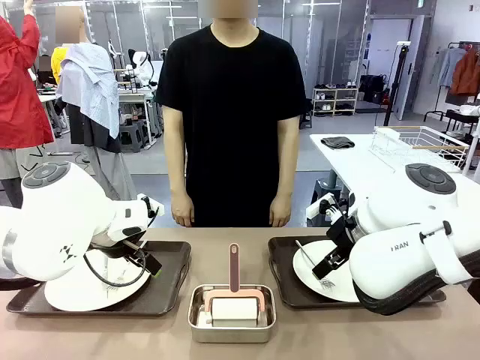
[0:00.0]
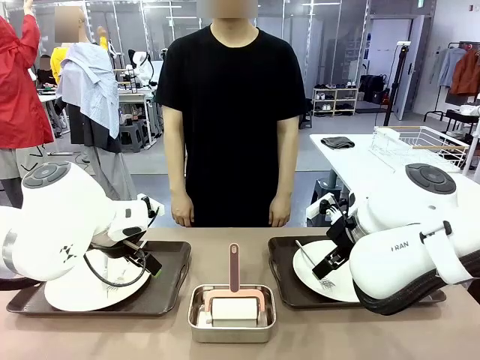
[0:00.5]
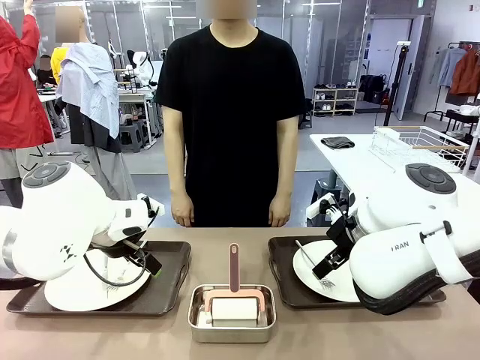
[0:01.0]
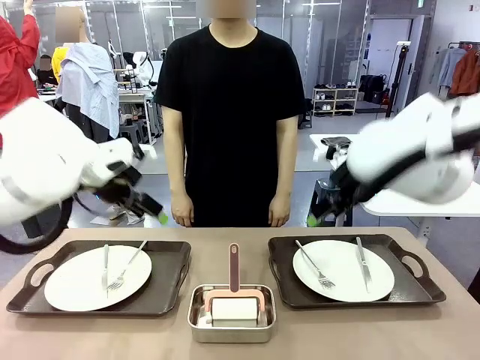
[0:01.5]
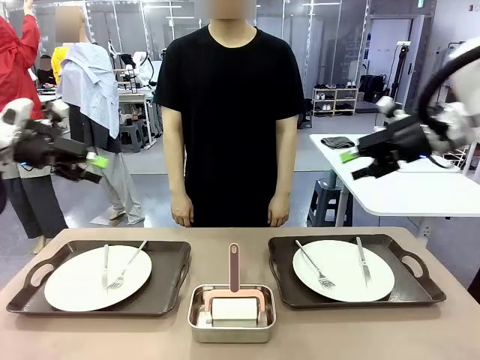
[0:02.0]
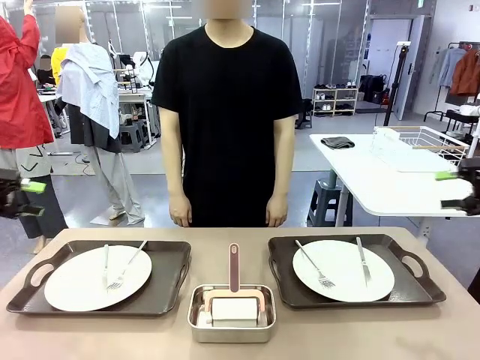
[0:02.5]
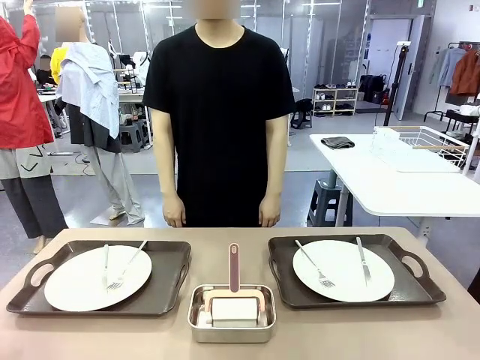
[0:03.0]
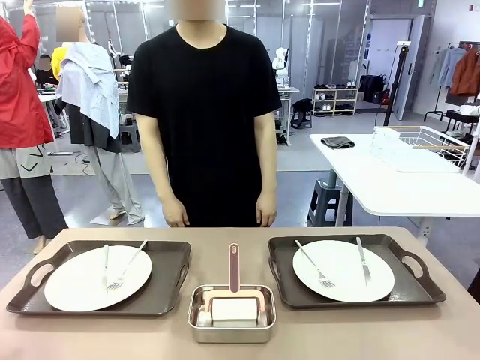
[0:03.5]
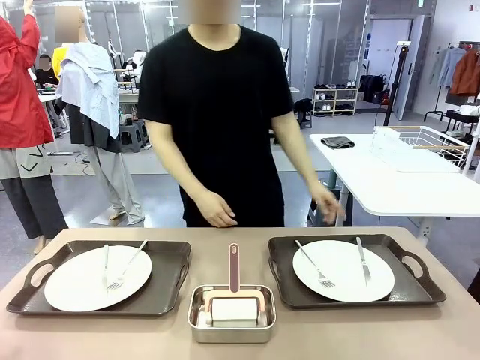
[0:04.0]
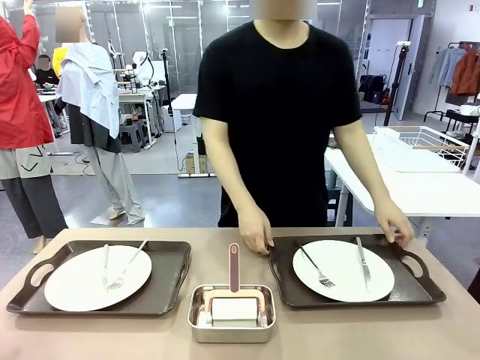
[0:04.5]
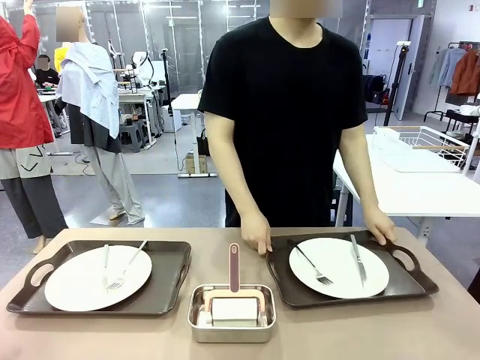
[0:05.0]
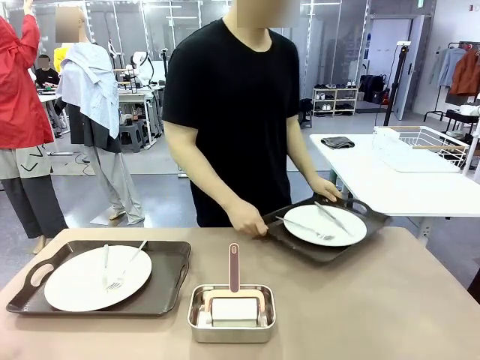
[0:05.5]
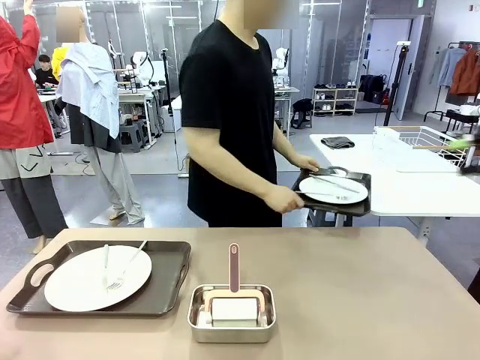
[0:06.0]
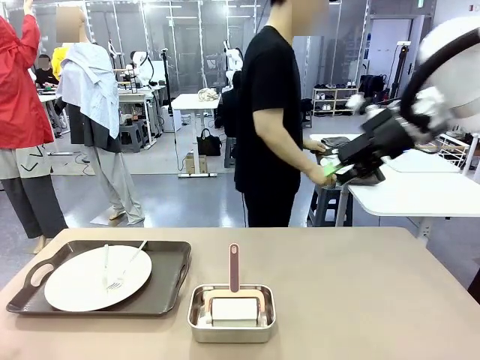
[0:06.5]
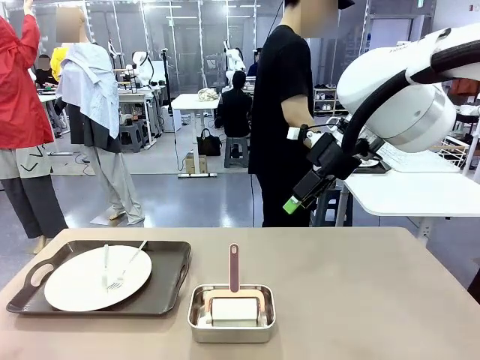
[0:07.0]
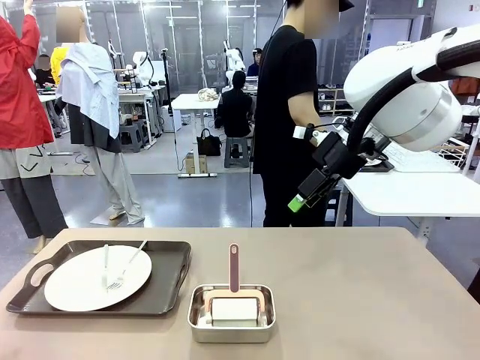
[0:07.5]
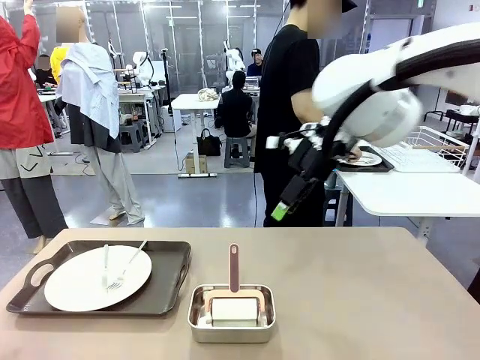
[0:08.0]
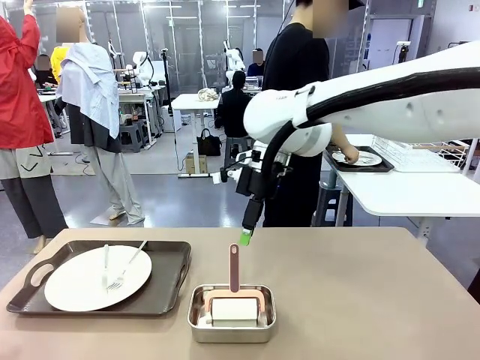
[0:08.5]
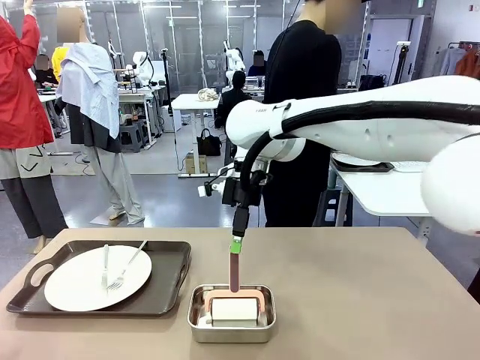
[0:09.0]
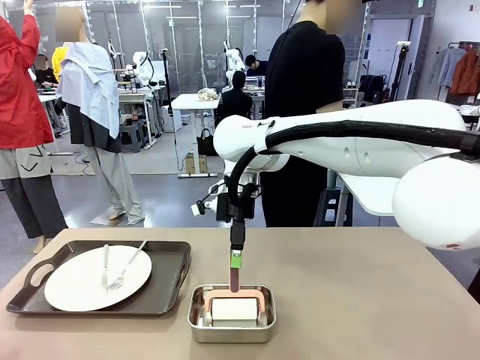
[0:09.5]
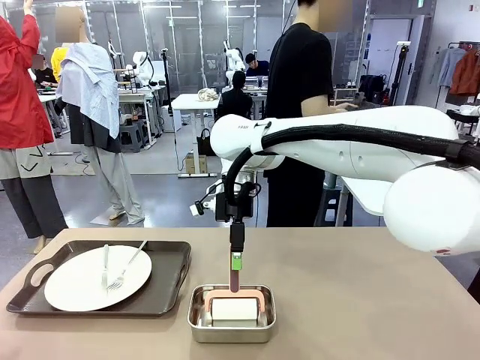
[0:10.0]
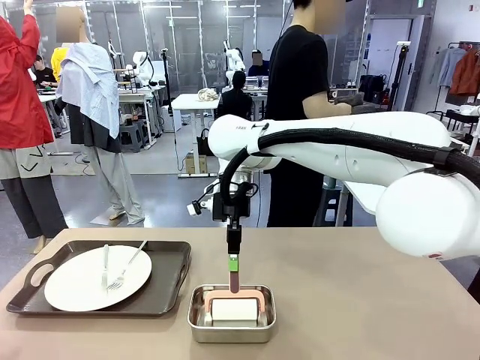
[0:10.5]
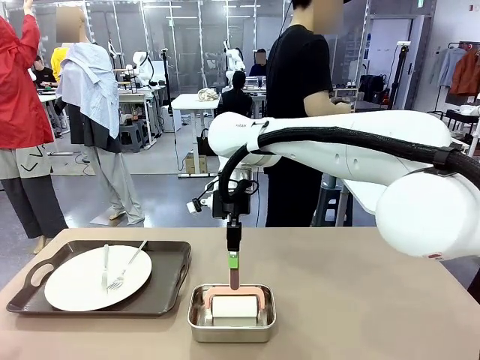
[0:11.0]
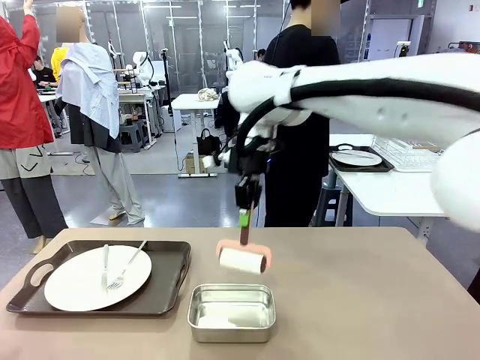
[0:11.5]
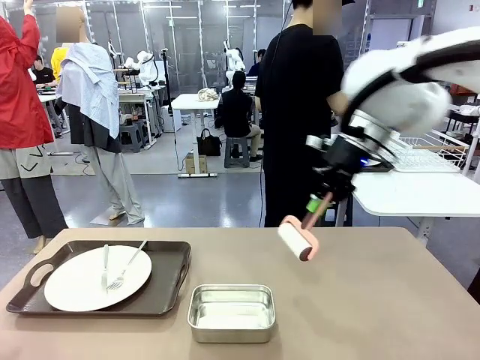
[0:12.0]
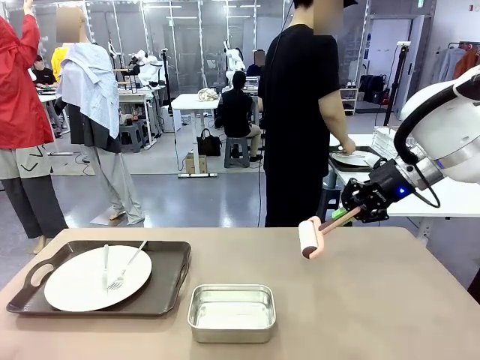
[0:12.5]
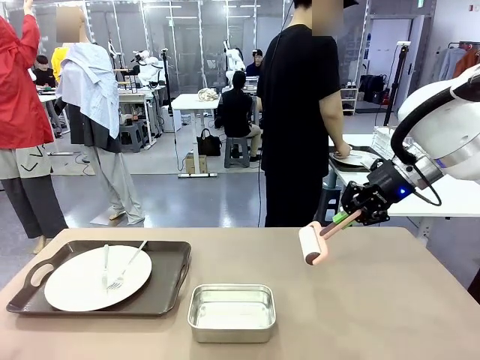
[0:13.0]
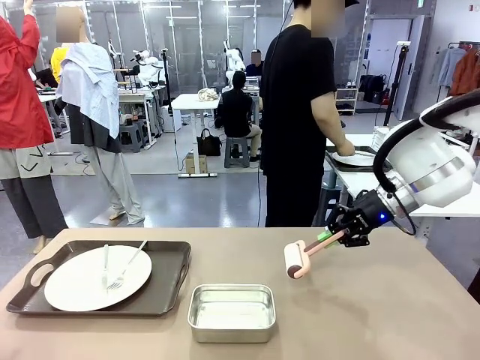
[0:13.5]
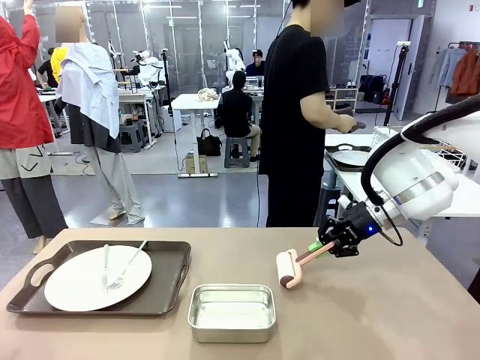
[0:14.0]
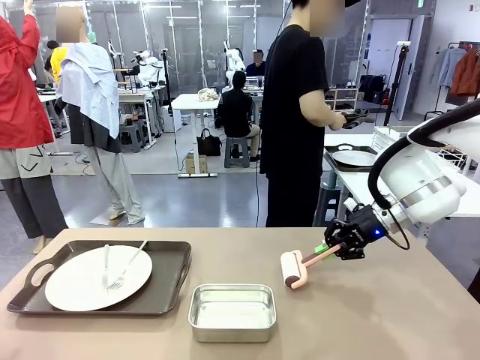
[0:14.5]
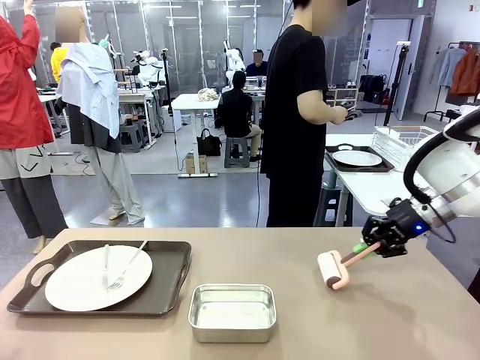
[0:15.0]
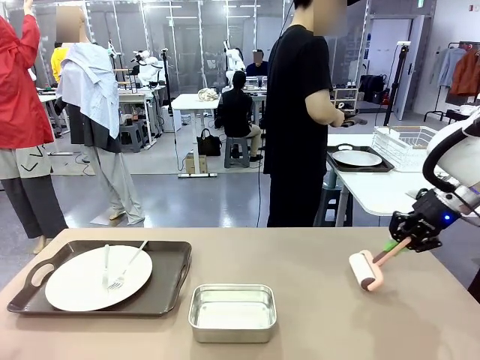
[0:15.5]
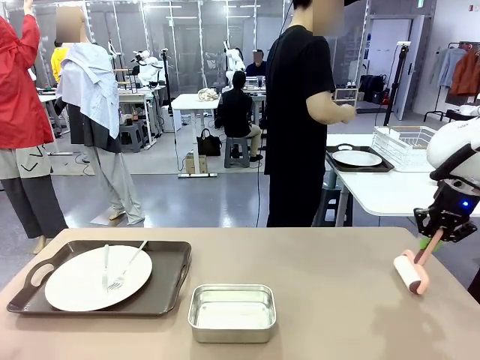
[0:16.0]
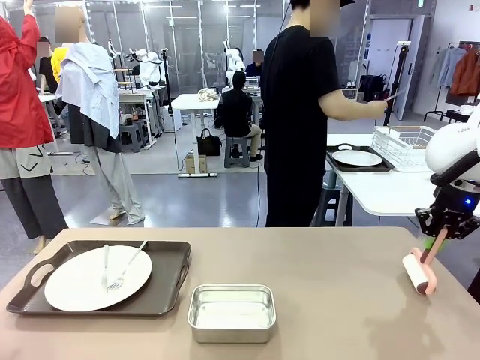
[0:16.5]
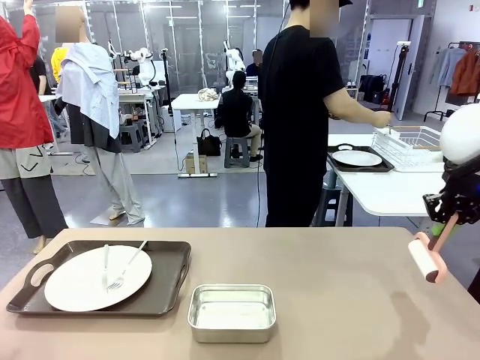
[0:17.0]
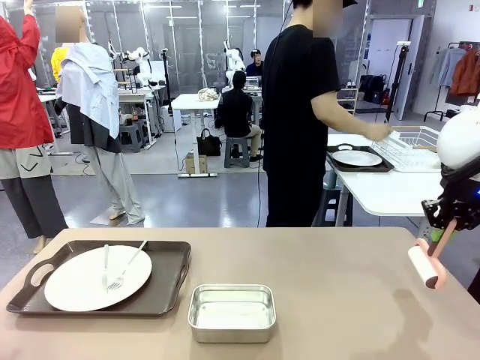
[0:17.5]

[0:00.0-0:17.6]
Robot: When the left (or right) Handle tray is removed, use the left hand (or right hand) to clean the left (or right) side of the table with the Lint Roller.
Person: Pick up the left (or right) Handle tray and place it on the middle of the Human's table. Use the Towel with hook to wipe the Plastic Matte Plate , Fork , and Knife and place into the Dish drying rack.

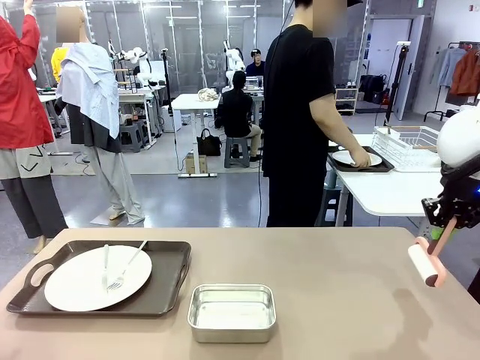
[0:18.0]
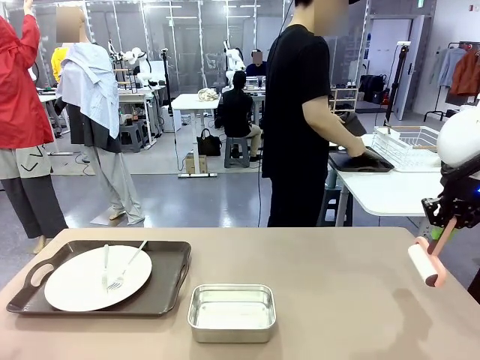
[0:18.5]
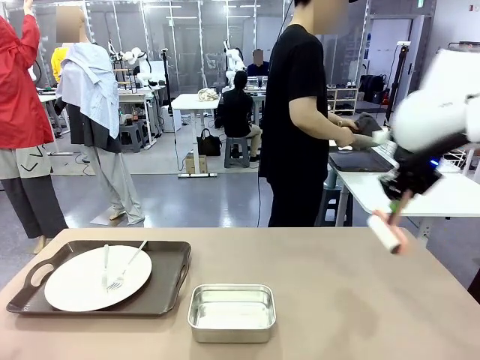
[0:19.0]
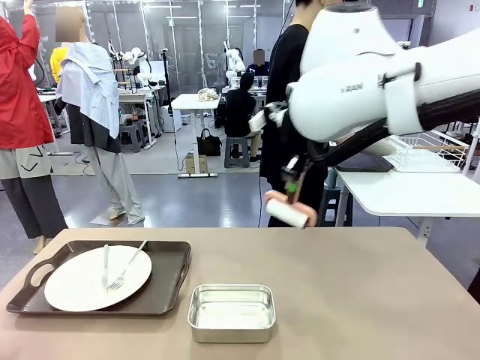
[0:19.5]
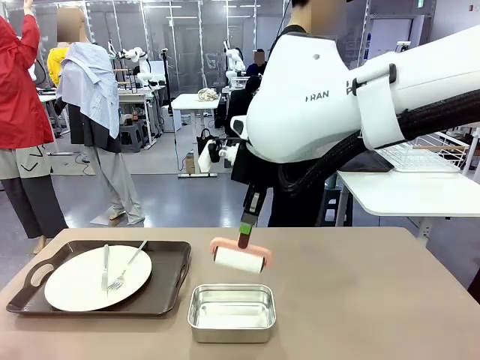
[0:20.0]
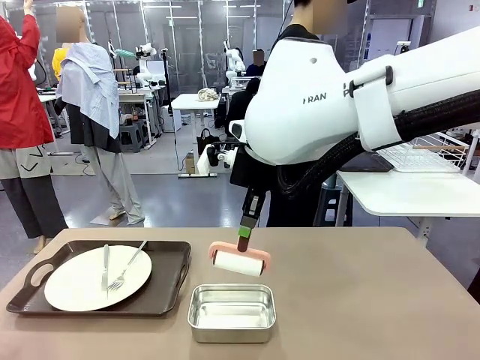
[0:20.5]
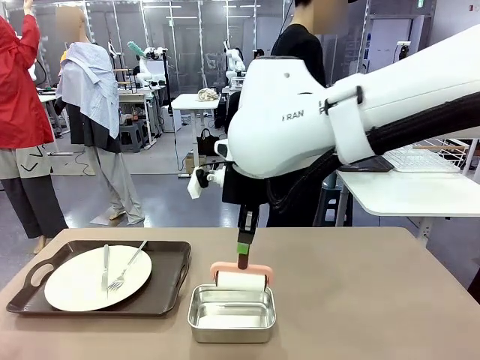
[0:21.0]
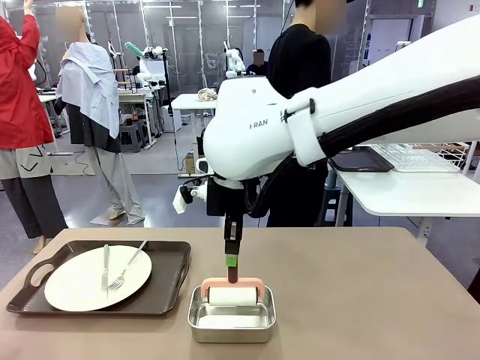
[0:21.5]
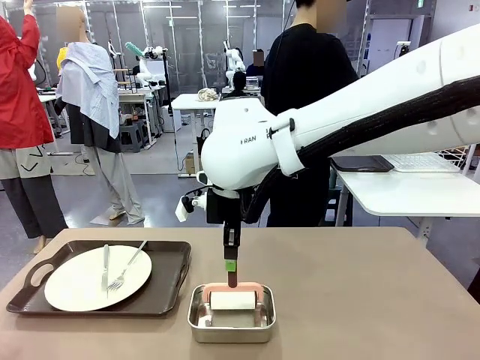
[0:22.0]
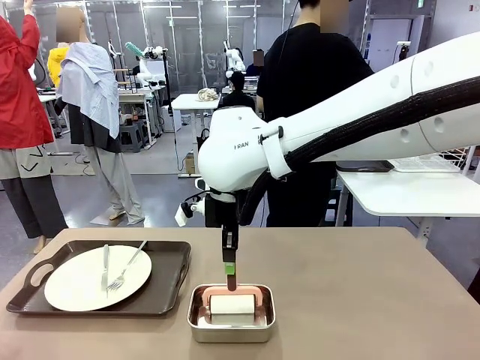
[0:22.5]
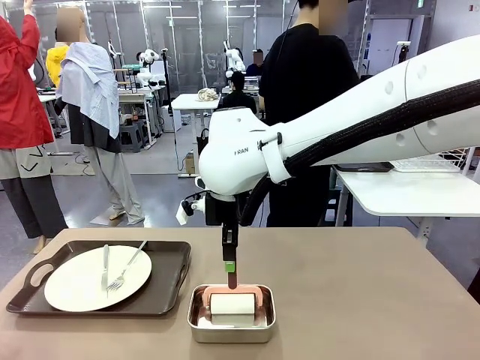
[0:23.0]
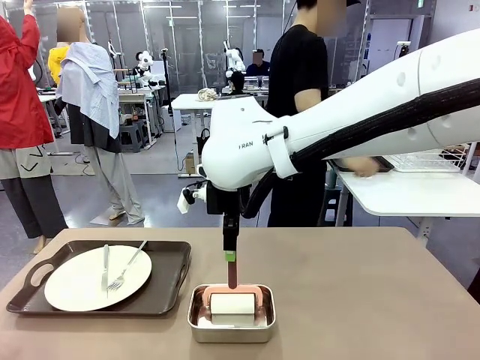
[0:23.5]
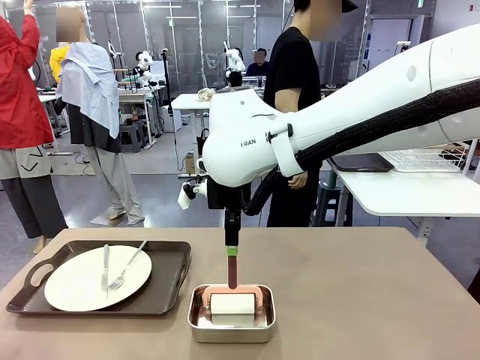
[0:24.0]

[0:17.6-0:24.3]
Robot: Place the Lint Roller back on top of the Airtight Container.

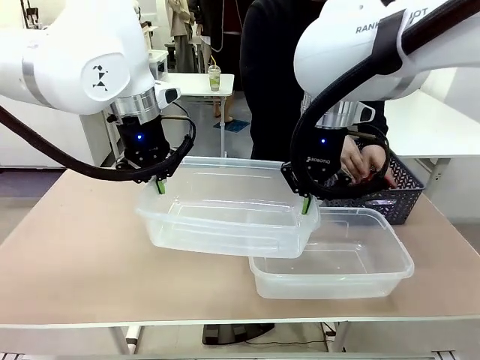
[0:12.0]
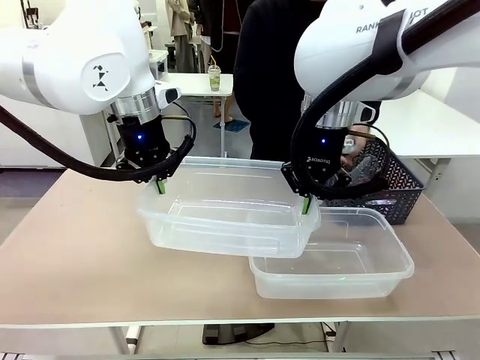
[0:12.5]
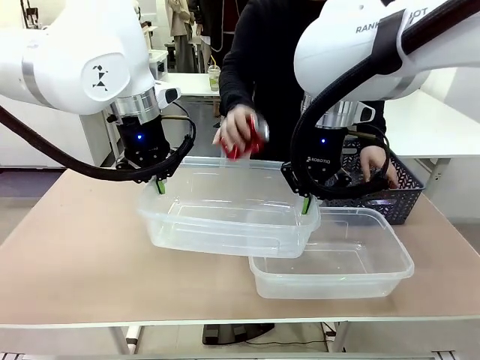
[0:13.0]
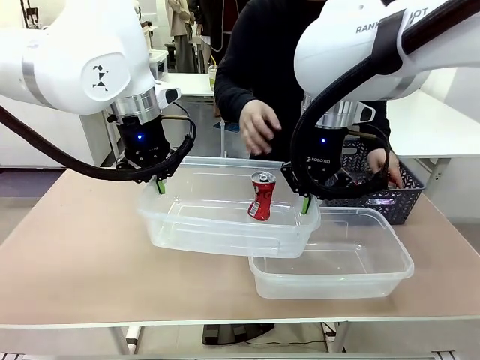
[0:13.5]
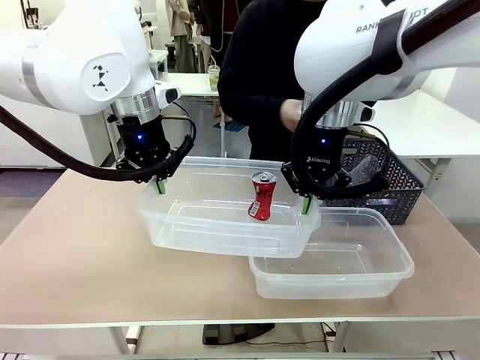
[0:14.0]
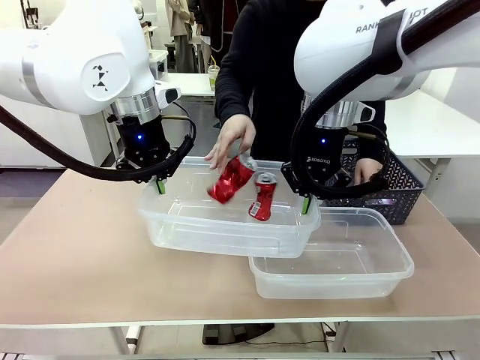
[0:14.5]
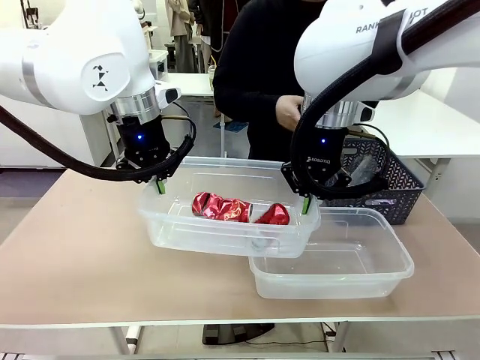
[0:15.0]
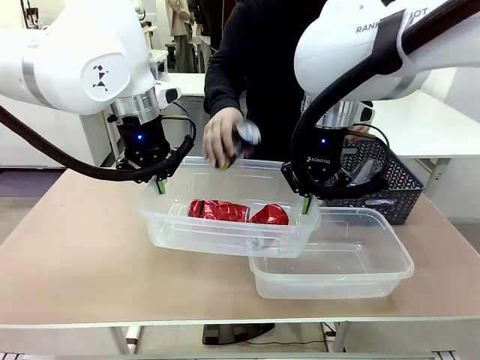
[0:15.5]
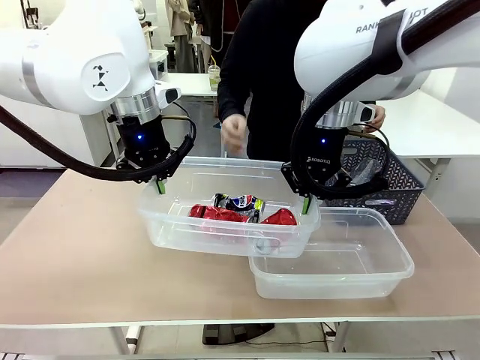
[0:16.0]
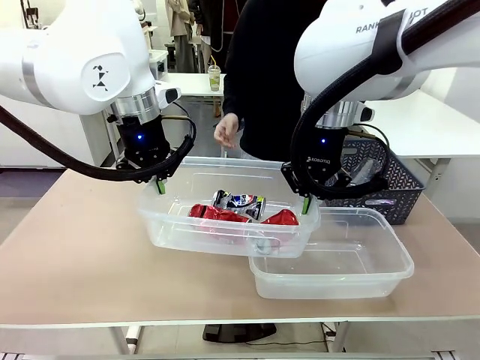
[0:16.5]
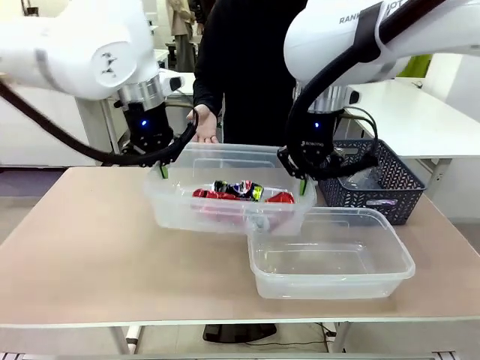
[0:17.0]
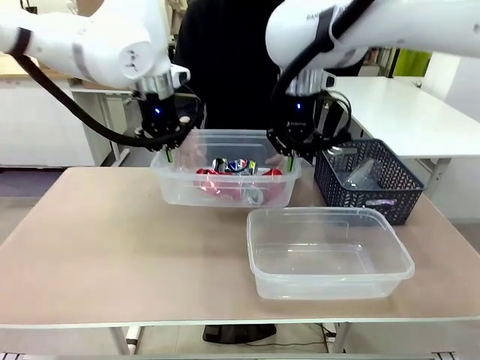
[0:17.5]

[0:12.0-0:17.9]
Robot: Offer the picked Organizing box to the human.
